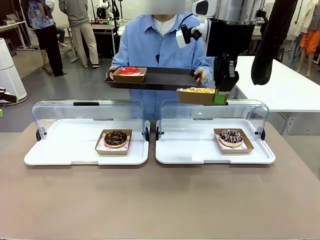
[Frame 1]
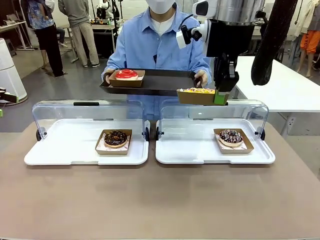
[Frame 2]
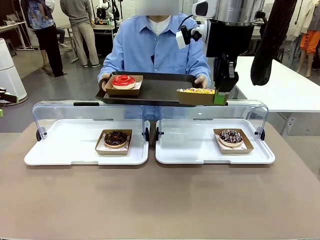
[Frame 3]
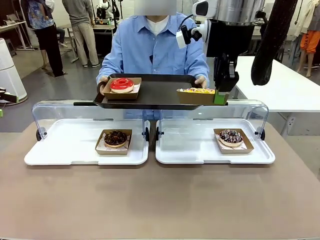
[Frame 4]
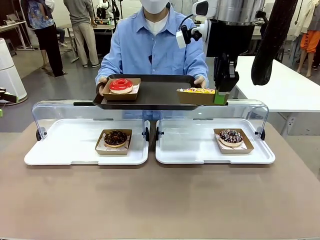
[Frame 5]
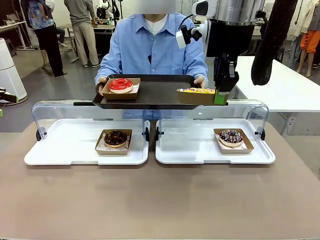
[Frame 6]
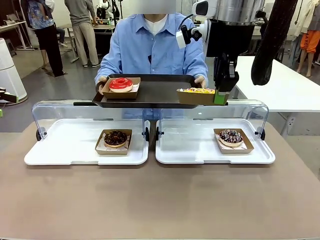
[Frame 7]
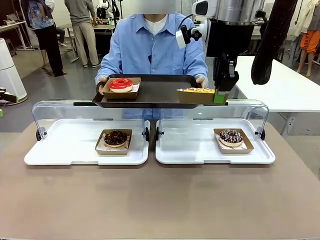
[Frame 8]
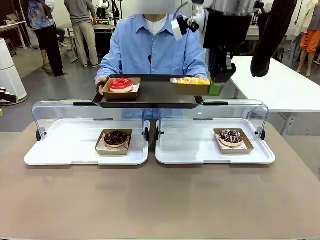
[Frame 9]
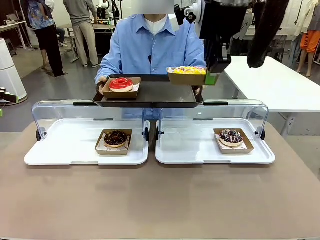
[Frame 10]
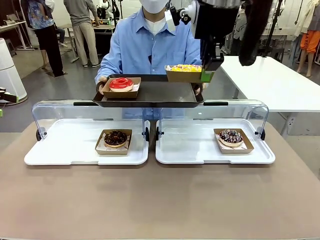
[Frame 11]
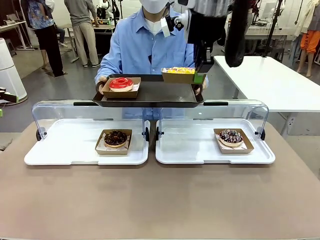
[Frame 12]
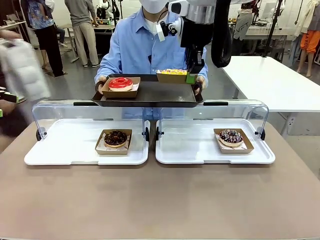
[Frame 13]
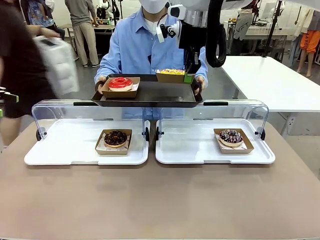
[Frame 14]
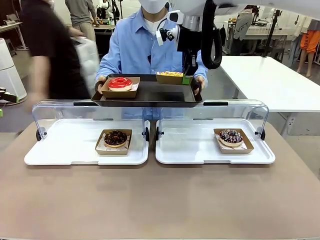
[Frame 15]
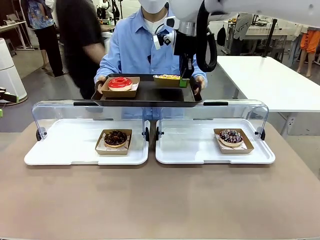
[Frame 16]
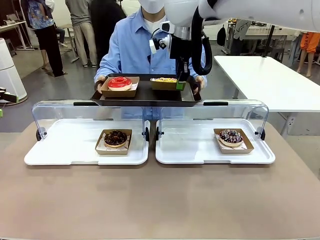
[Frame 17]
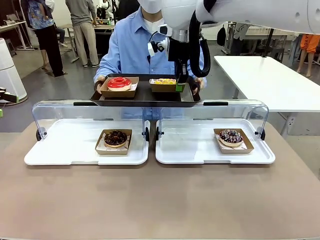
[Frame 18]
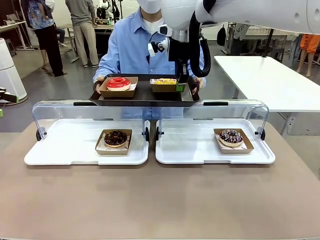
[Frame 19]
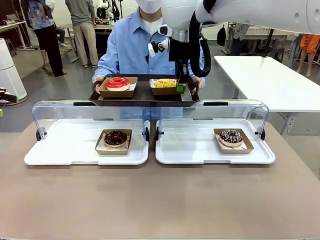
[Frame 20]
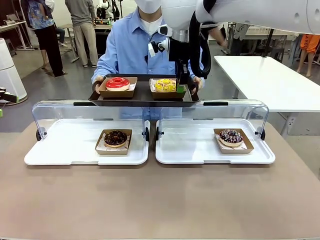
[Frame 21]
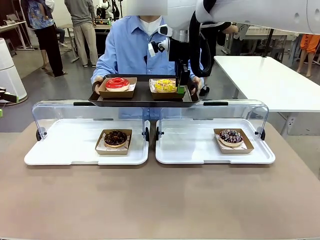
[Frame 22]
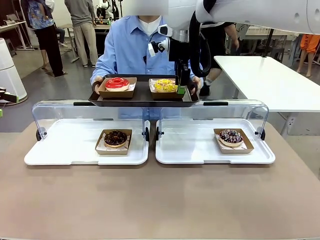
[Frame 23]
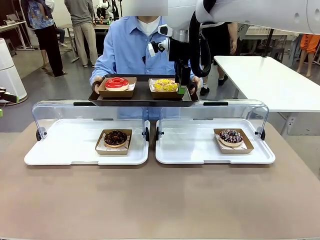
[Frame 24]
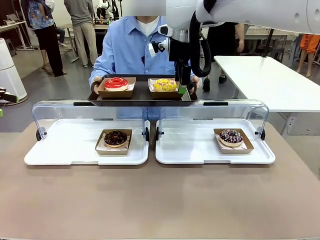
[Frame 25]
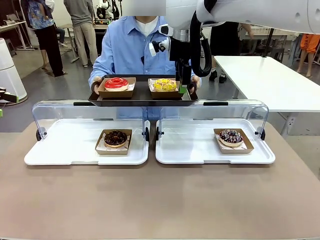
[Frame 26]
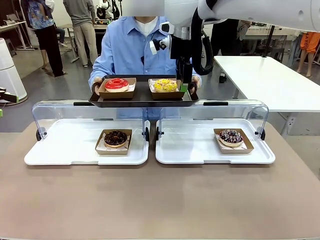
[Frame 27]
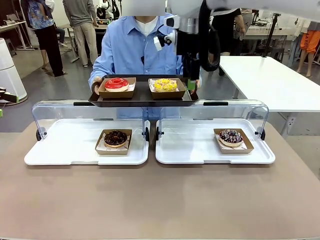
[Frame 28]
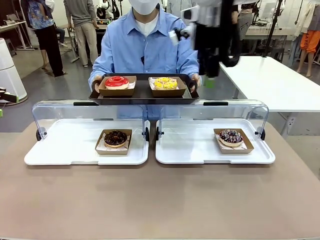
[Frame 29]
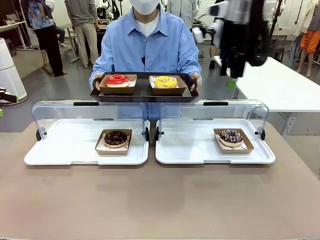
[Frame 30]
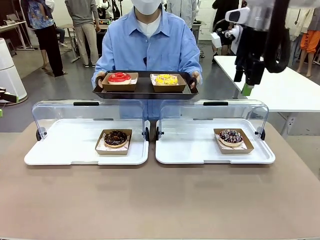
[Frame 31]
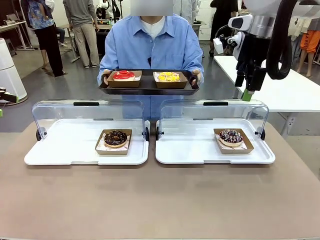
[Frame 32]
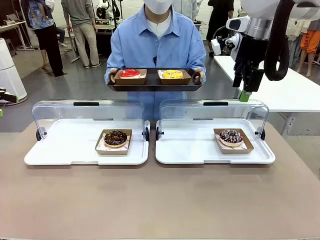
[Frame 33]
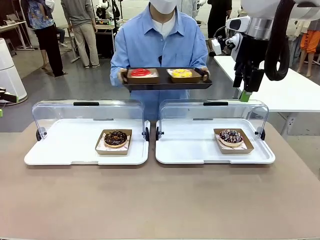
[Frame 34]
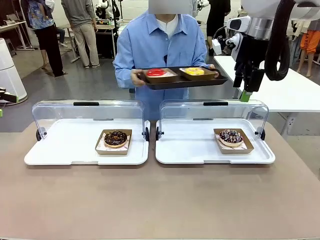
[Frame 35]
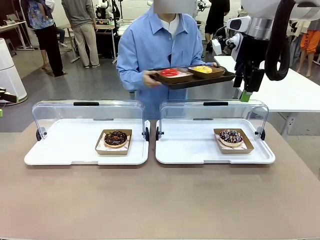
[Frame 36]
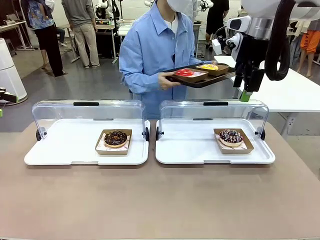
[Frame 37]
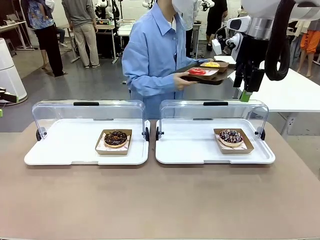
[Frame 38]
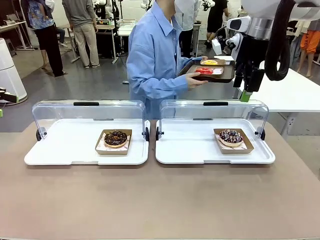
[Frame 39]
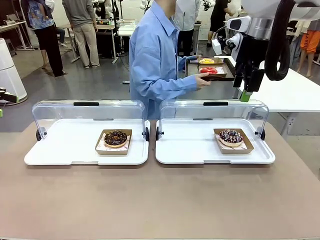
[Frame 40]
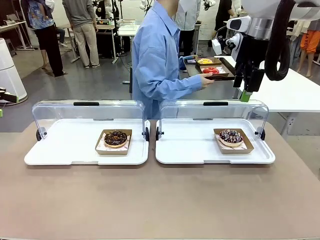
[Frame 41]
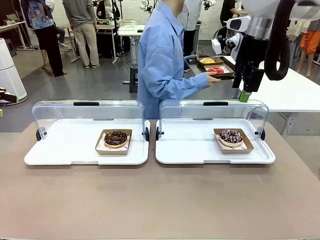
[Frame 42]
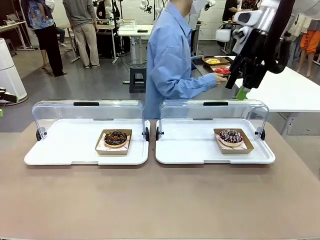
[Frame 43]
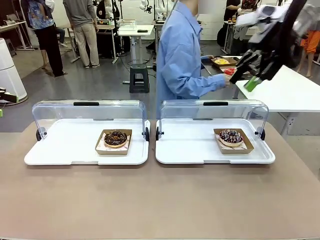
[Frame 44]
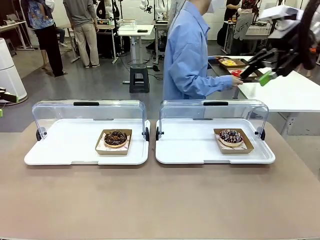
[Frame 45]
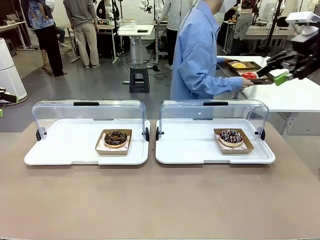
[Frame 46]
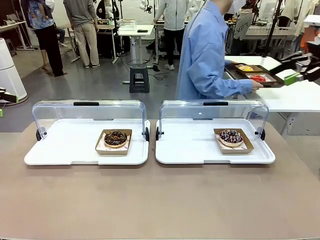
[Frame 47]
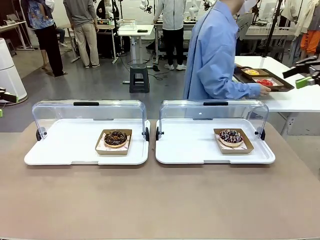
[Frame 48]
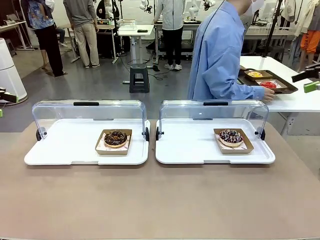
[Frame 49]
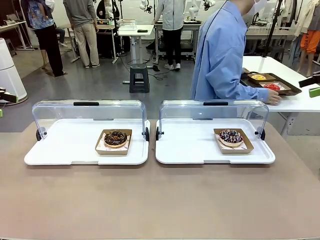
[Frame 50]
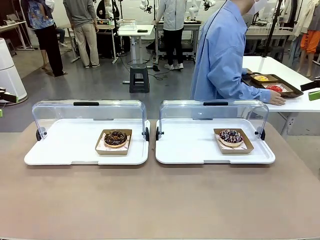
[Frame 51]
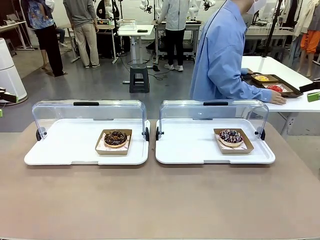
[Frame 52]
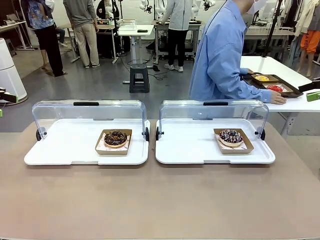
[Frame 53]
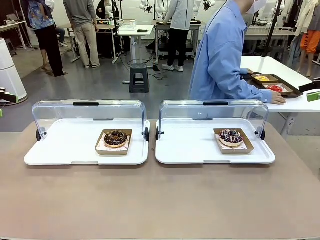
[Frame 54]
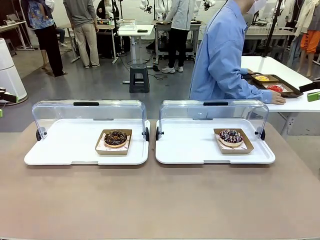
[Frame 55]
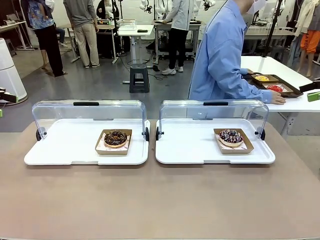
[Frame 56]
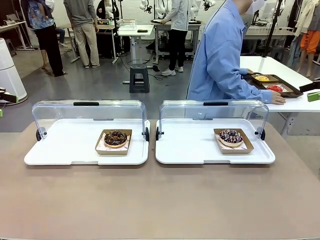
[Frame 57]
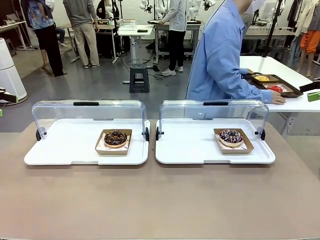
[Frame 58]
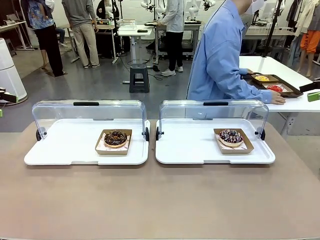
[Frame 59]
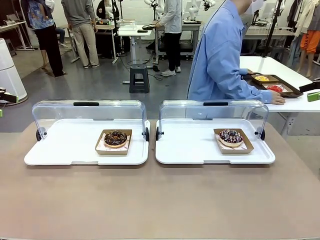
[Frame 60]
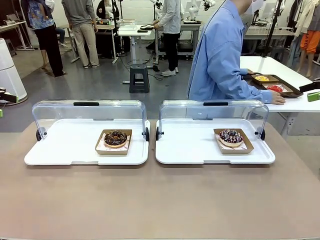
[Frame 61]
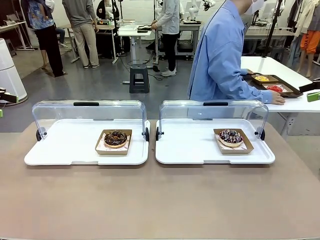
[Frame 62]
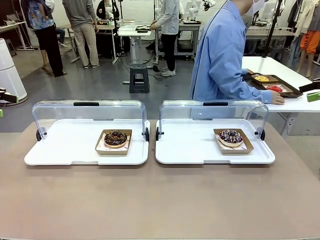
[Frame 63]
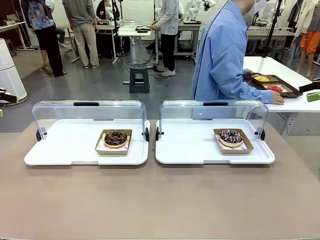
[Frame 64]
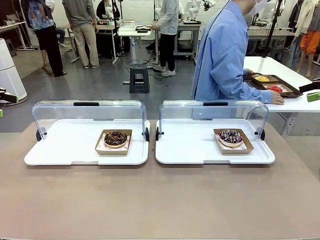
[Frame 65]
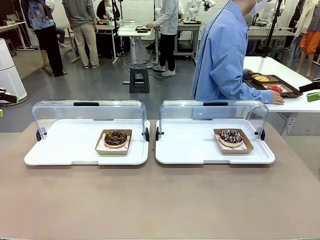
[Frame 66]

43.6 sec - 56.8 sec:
Task: Provide the desired donut to the person.
Robot: Place the picked Paper togo box onto the Handle tray extended by the person.
Person: Place the tray in the middle of the human table.

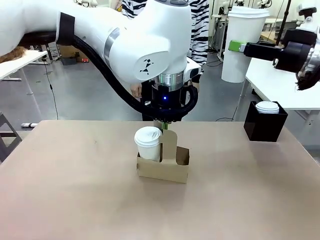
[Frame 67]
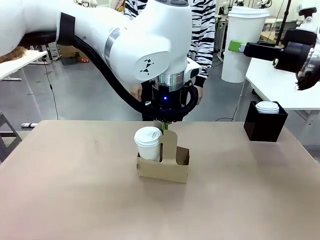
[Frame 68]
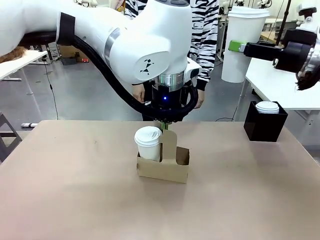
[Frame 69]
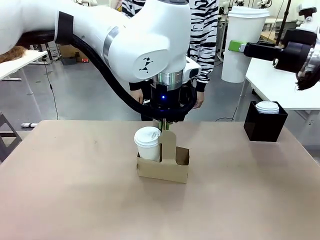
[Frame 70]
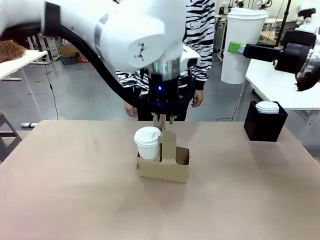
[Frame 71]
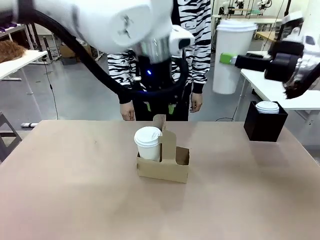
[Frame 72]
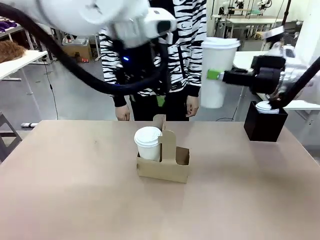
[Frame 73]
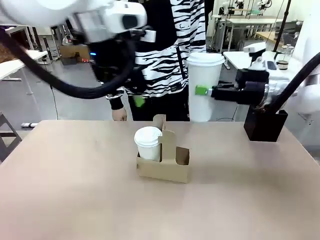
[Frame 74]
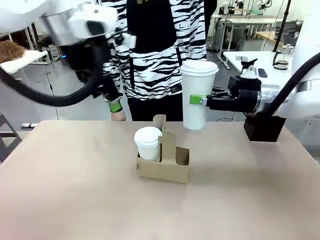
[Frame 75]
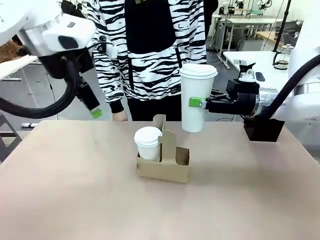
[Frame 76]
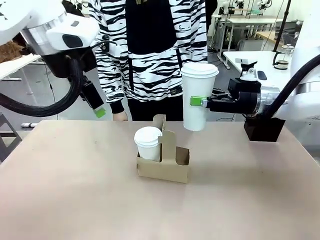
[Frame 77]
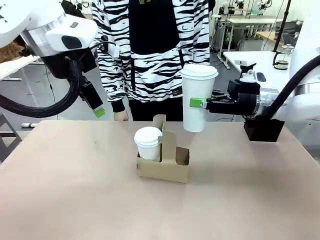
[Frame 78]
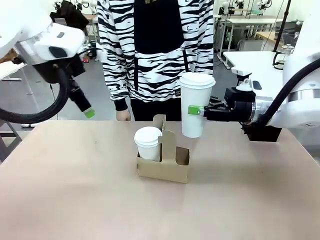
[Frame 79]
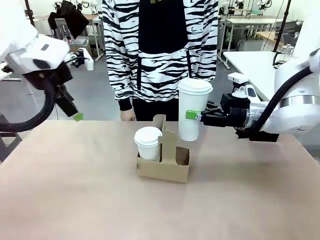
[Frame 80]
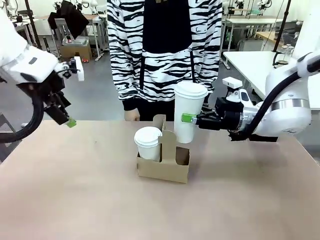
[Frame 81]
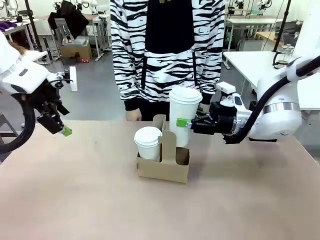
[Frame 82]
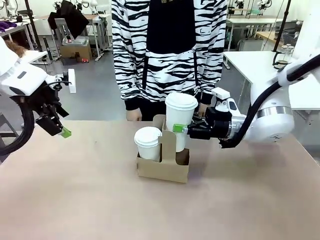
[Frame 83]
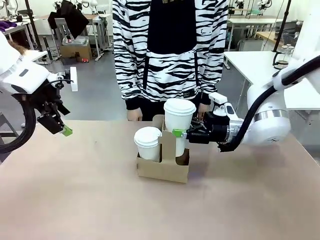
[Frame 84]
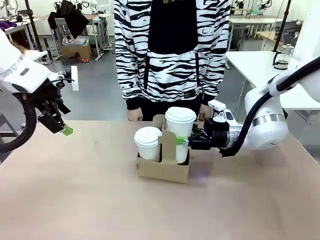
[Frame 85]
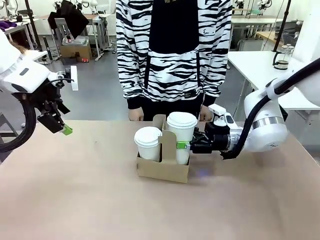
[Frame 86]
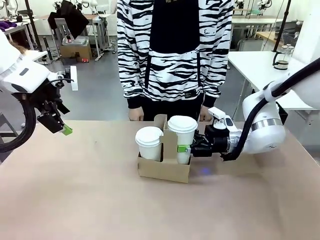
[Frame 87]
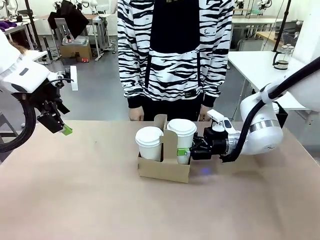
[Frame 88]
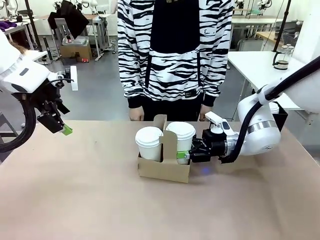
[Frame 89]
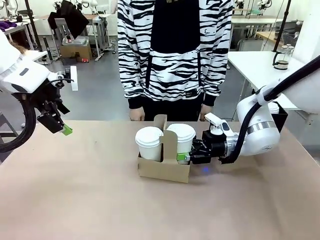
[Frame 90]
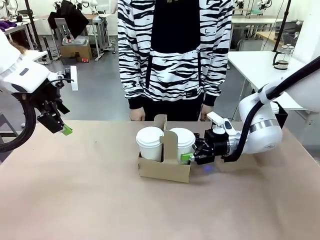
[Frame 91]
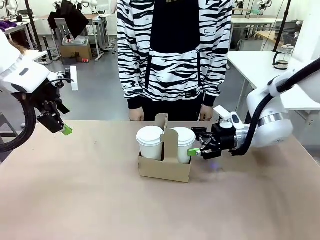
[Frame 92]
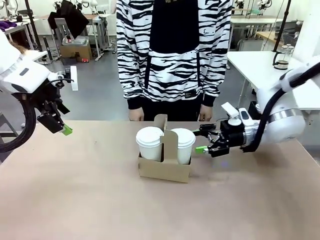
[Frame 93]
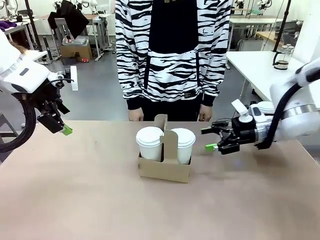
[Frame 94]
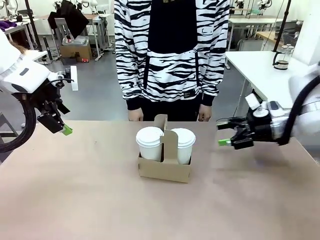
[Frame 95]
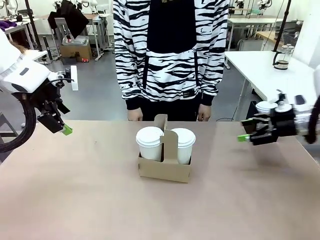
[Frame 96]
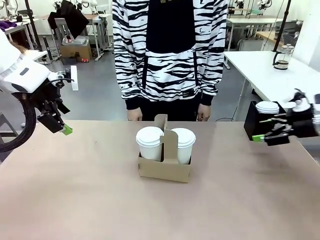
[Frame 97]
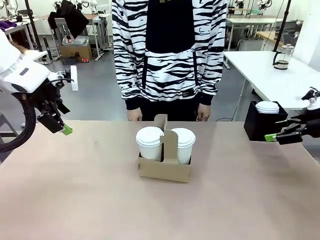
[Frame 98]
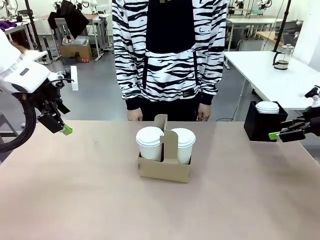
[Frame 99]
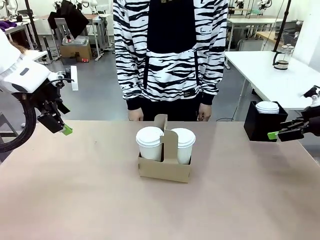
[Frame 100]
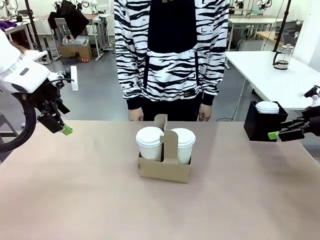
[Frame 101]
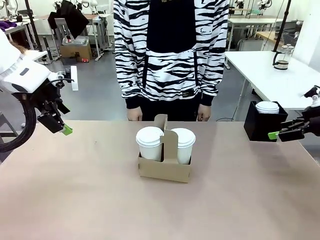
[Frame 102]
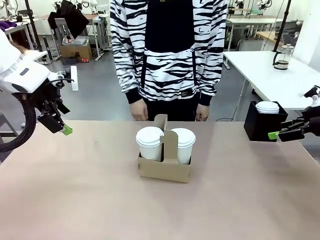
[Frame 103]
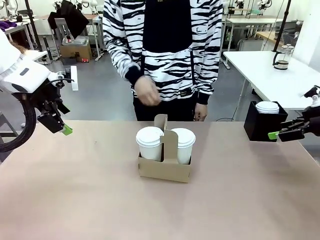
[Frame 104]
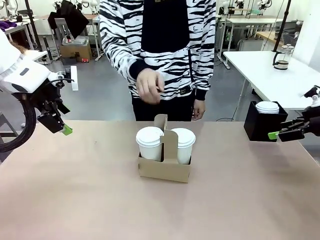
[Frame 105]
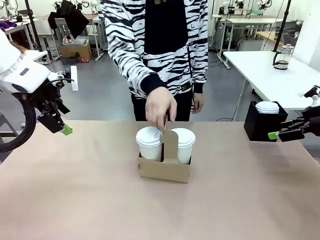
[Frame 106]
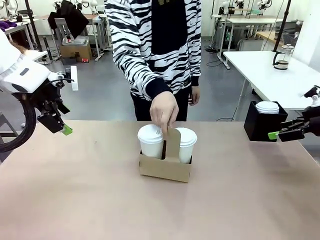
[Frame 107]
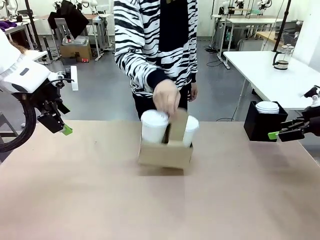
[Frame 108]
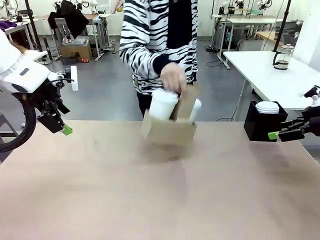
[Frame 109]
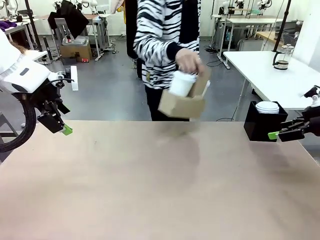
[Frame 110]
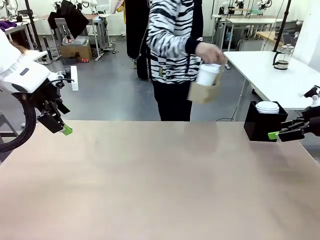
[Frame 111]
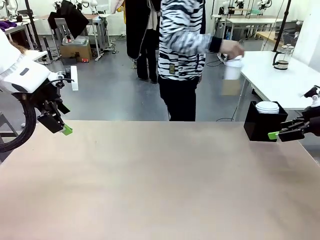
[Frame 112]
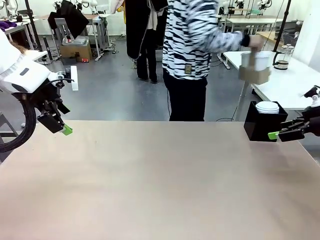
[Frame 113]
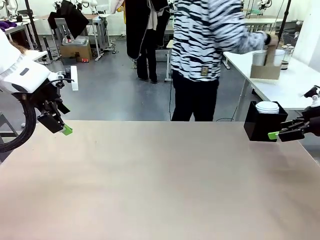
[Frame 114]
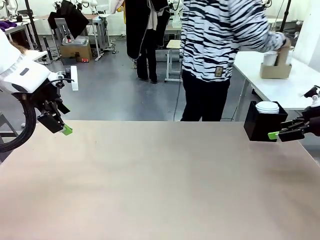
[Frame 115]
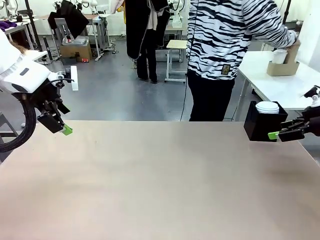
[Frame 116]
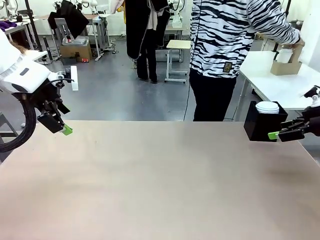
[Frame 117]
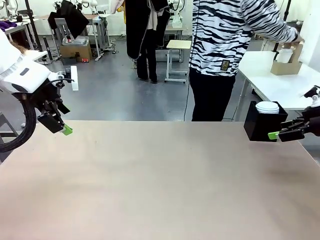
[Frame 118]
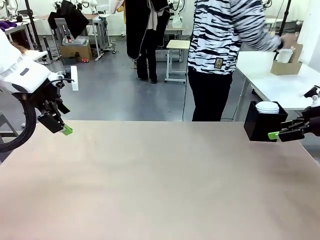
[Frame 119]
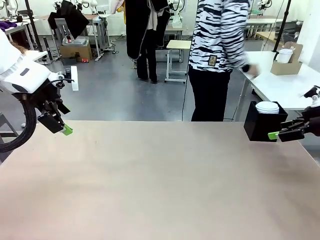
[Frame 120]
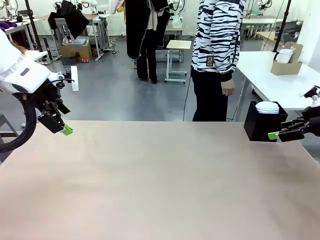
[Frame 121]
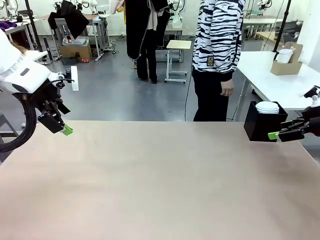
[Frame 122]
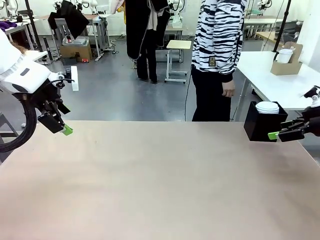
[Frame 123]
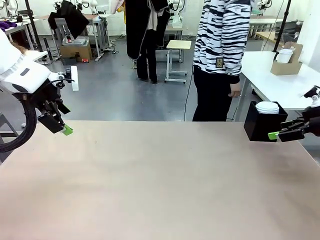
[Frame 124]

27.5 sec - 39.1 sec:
Task: Pour a drink into a cup and package it in a carrier.
Robot: Insert the held 600 ml Paper Cup into the Cup Carrier.
Person: Place the Cup Carrier to the middle of Human table.
